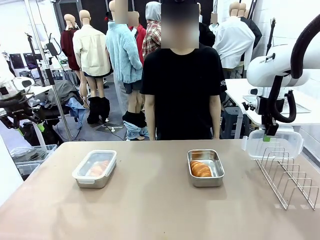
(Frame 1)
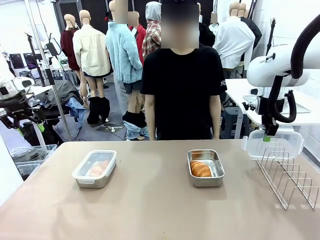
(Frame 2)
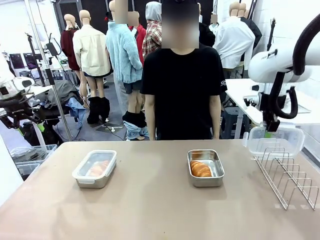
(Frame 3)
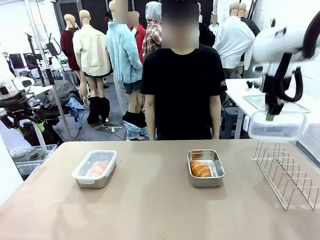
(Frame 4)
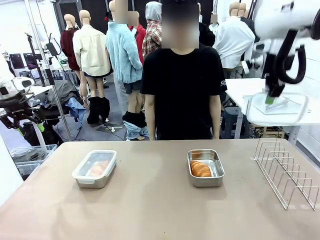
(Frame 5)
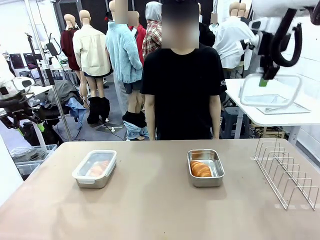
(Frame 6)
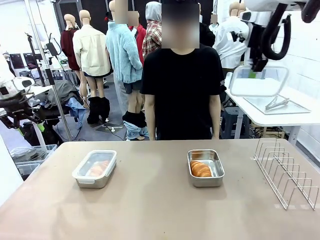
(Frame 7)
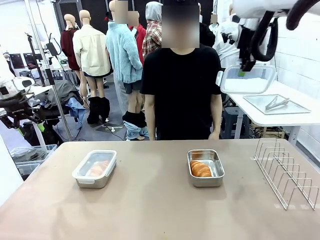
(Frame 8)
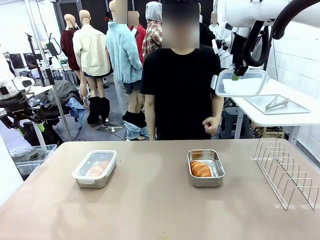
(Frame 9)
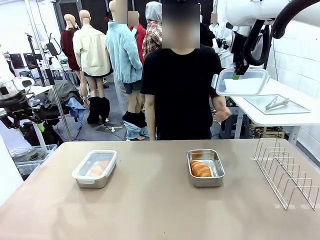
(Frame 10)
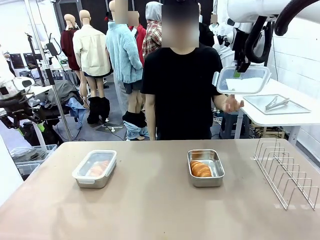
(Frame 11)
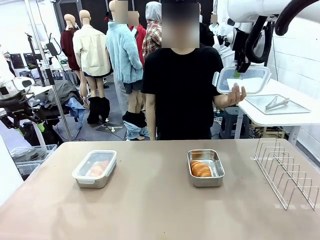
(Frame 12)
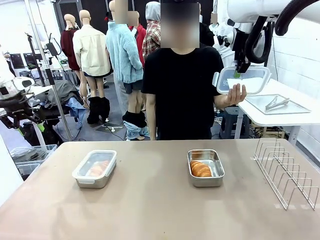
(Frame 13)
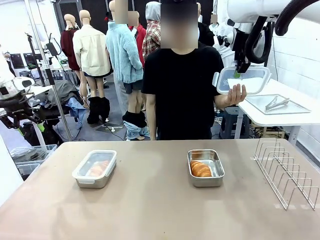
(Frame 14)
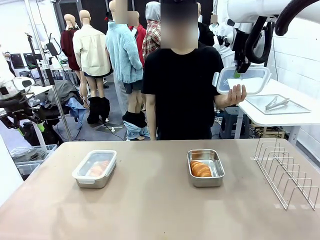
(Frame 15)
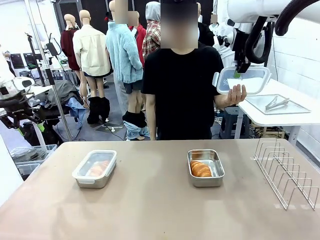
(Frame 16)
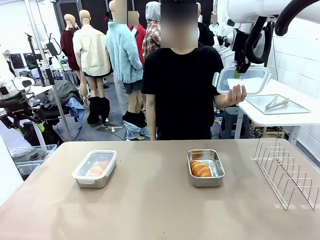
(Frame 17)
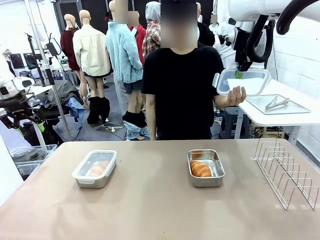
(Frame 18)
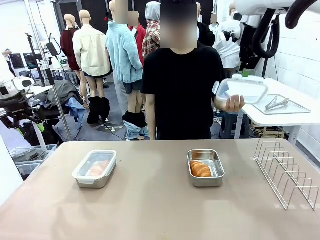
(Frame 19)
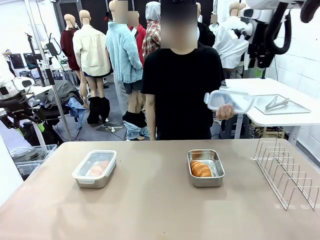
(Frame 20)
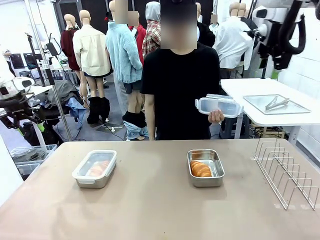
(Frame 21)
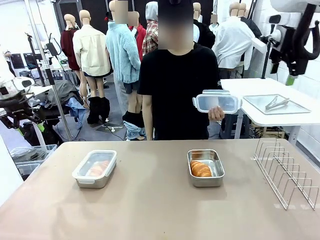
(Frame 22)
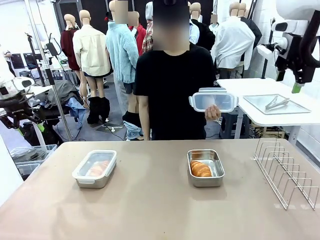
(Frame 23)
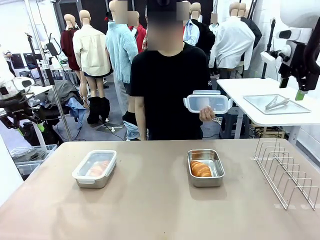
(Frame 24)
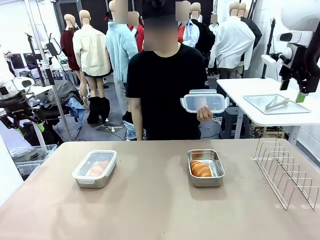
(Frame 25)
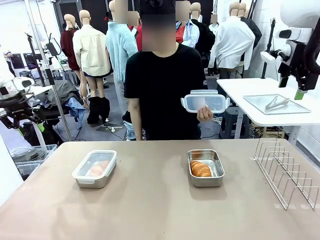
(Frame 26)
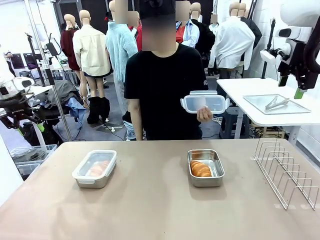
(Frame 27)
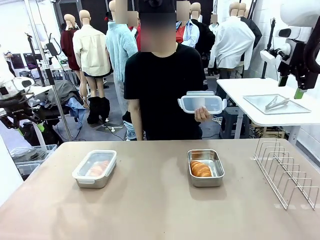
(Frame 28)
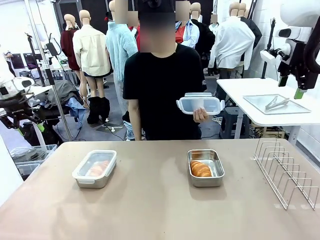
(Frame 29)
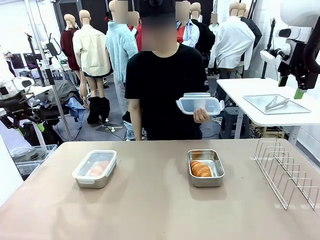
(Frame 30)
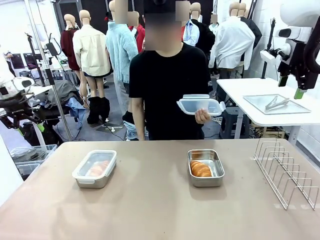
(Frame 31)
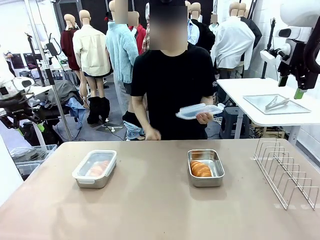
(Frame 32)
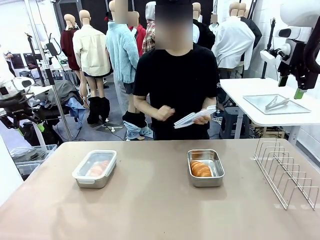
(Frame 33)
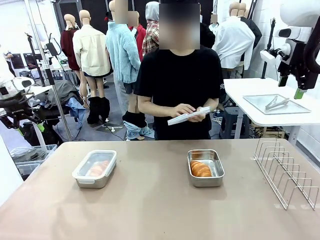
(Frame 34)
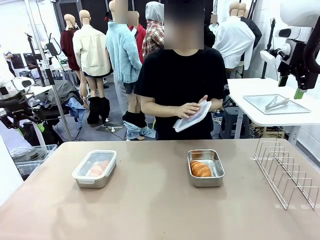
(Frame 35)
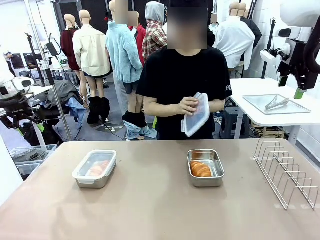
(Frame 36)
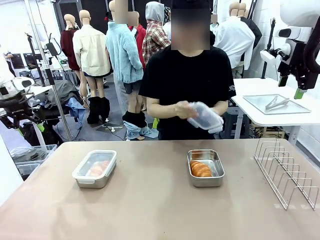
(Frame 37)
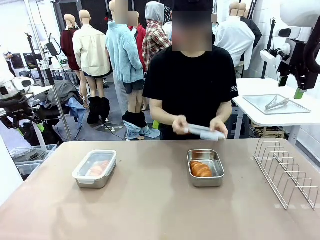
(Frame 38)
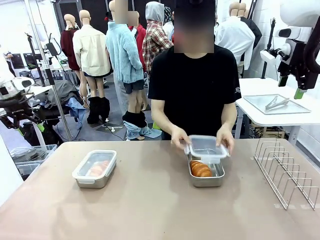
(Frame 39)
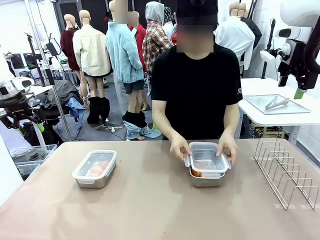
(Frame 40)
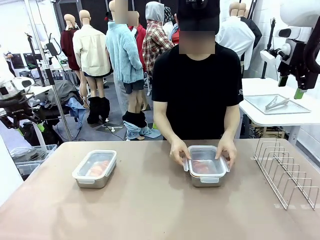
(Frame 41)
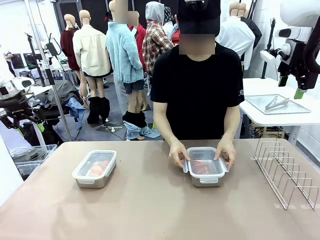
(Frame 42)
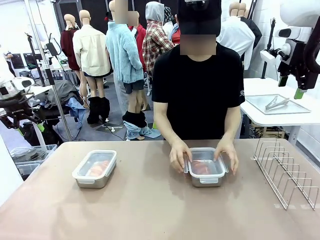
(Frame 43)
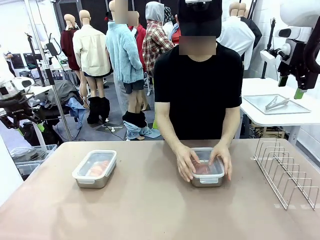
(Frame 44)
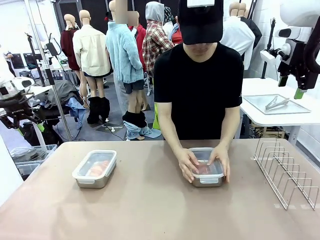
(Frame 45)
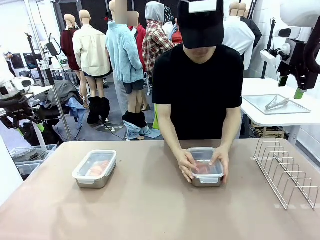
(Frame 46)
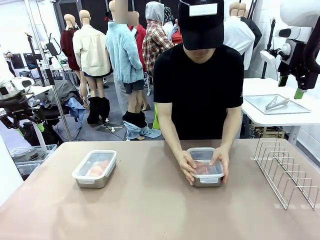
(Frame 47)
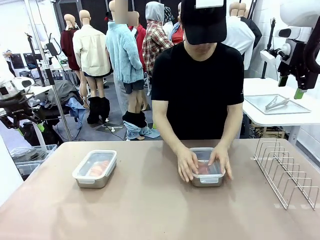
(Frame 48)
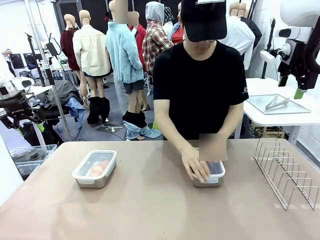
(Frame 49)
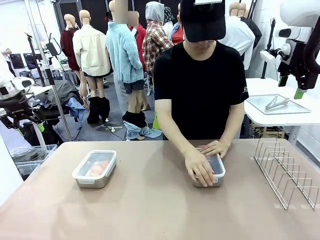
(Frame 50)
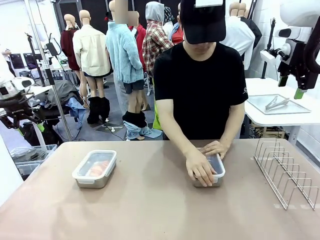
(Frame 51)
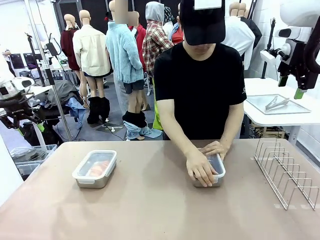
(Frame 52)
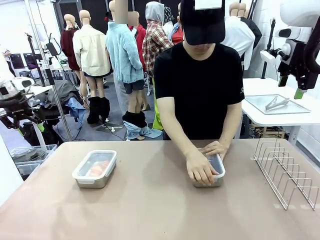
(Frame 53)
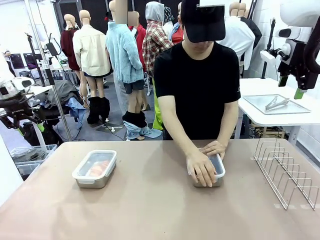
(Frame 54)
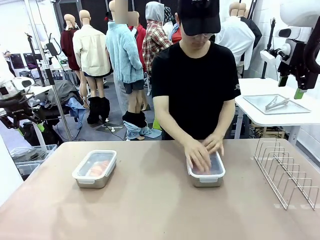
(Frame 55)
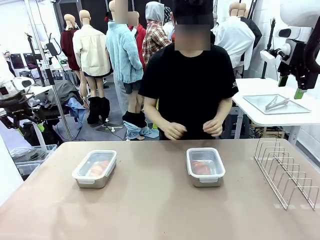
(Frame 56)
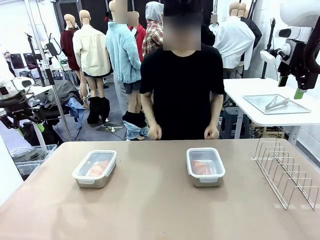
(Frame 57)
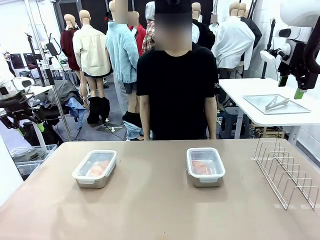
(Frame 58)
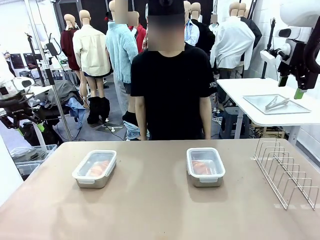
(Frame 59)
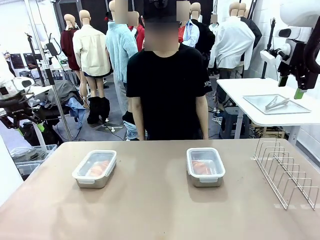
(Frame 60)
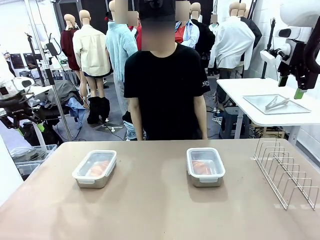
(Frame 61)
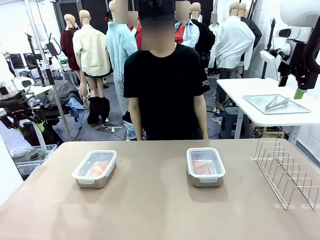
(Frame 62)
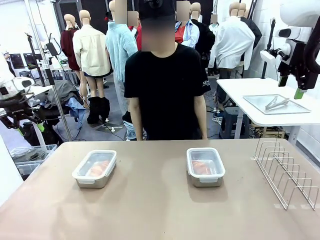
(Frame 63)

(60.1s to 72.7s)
Task: Place the bread in airtight containers.
Robot: Release when the human grabs the Airtight Container lid.
Person: Grip Airtight Container lid that robot is handing. Close Airtight Container with a handed Airtight Container lid.

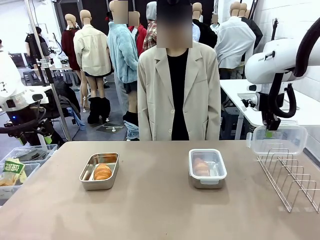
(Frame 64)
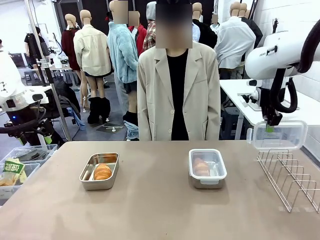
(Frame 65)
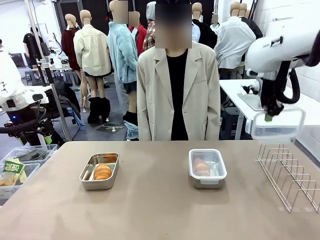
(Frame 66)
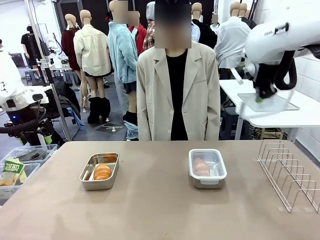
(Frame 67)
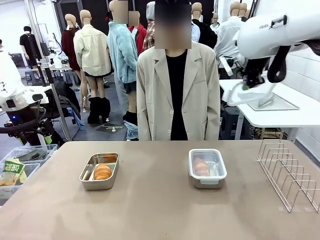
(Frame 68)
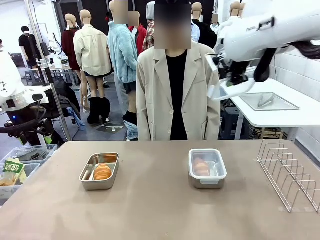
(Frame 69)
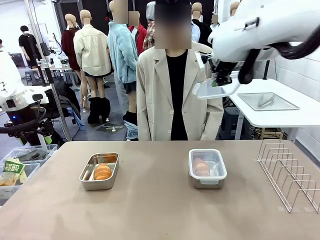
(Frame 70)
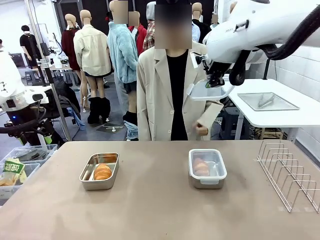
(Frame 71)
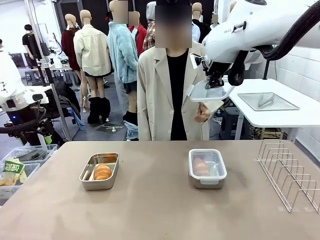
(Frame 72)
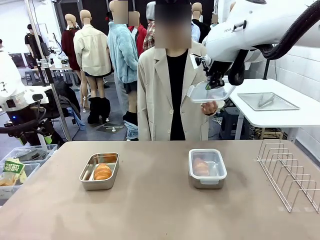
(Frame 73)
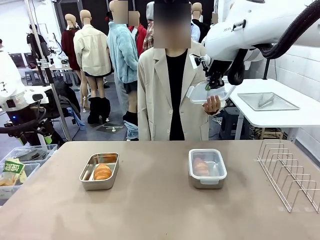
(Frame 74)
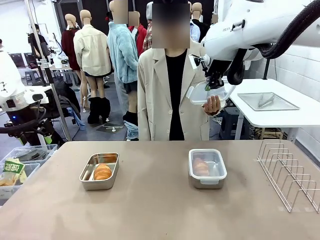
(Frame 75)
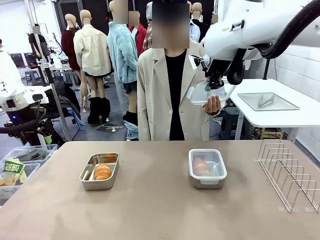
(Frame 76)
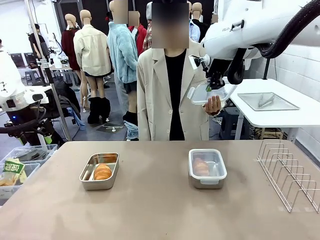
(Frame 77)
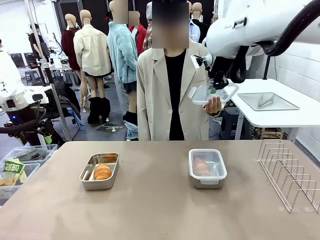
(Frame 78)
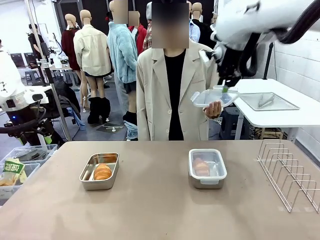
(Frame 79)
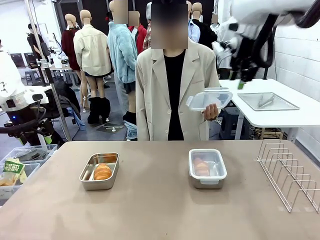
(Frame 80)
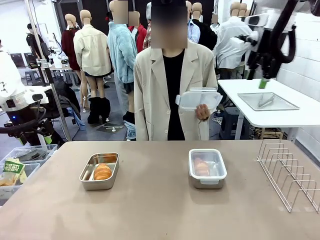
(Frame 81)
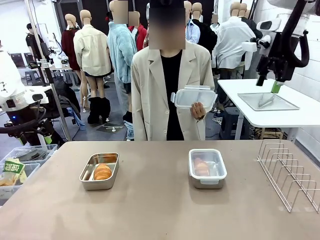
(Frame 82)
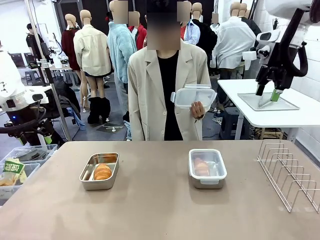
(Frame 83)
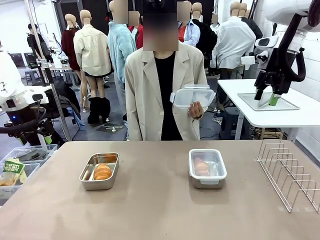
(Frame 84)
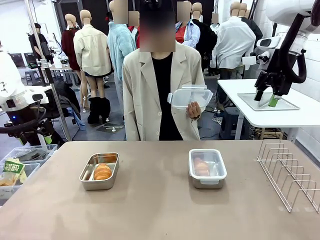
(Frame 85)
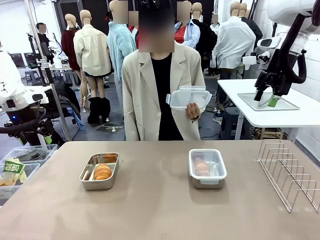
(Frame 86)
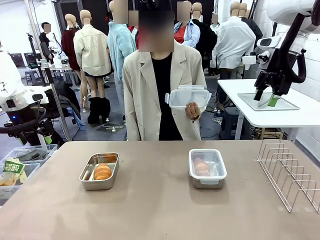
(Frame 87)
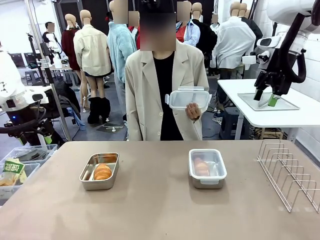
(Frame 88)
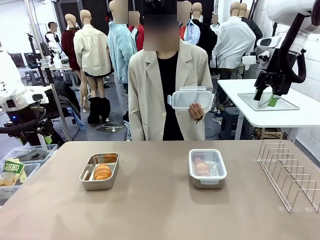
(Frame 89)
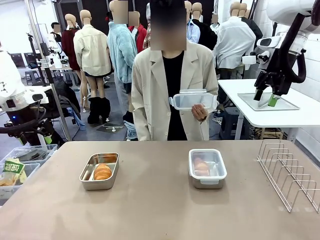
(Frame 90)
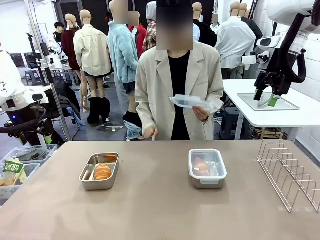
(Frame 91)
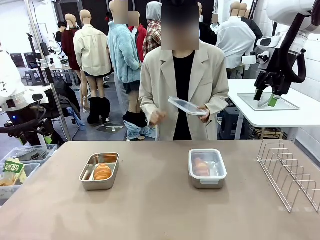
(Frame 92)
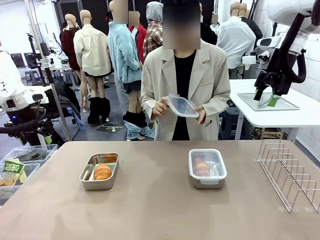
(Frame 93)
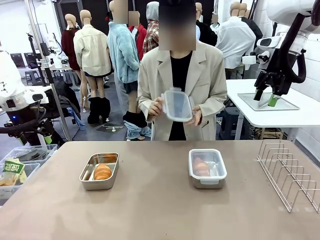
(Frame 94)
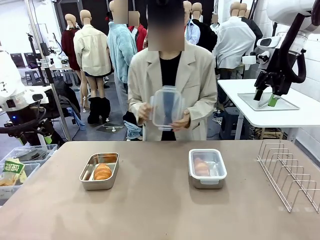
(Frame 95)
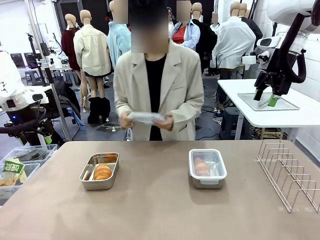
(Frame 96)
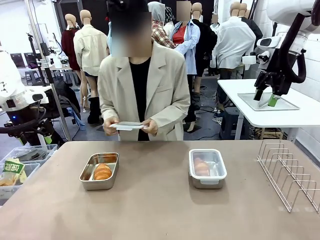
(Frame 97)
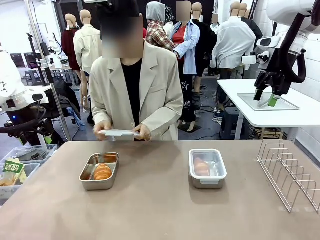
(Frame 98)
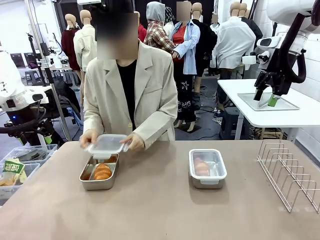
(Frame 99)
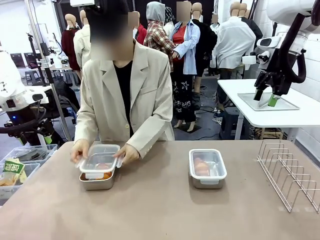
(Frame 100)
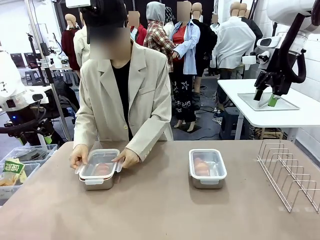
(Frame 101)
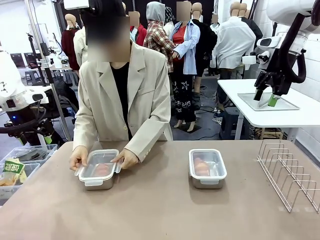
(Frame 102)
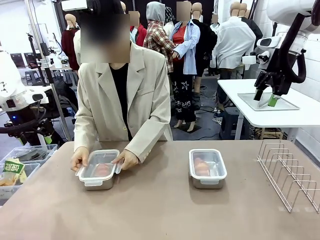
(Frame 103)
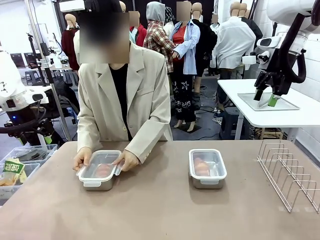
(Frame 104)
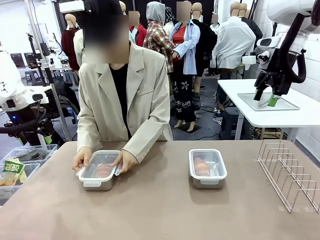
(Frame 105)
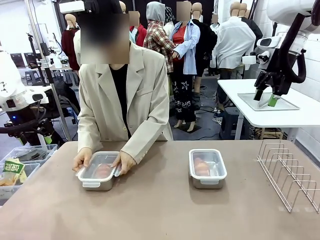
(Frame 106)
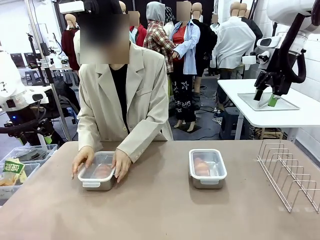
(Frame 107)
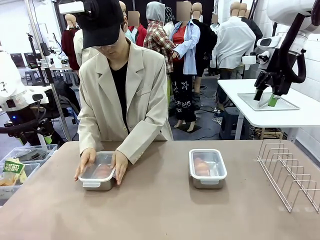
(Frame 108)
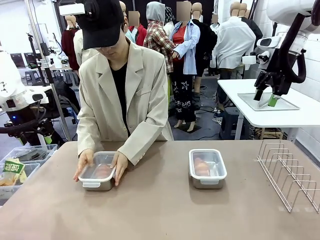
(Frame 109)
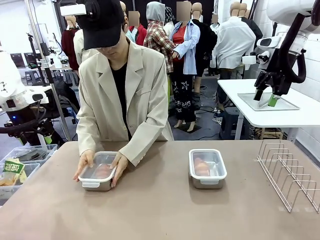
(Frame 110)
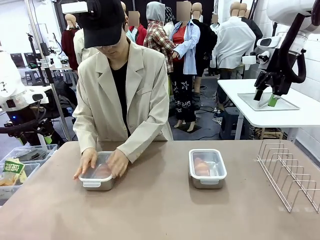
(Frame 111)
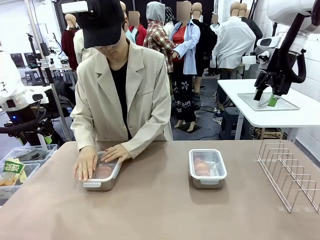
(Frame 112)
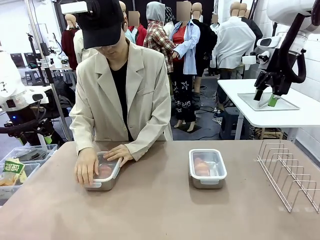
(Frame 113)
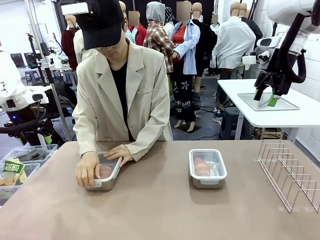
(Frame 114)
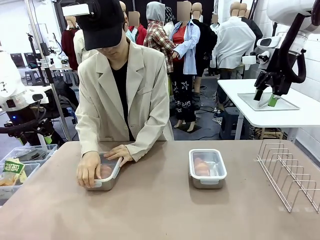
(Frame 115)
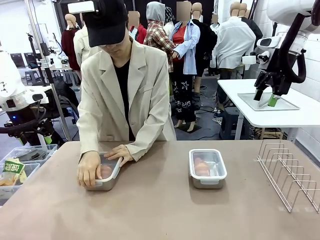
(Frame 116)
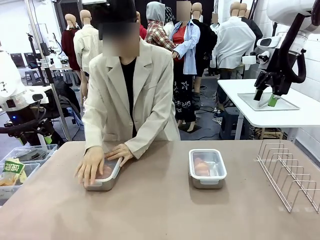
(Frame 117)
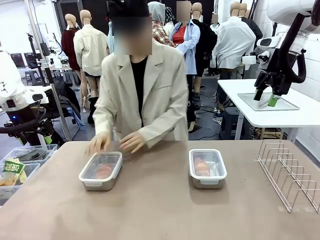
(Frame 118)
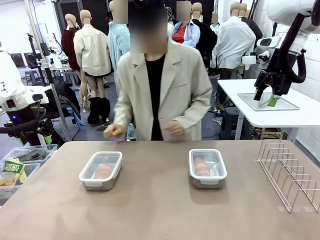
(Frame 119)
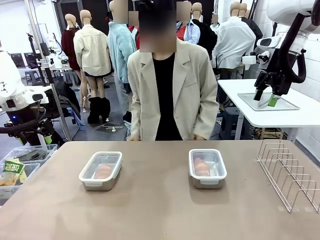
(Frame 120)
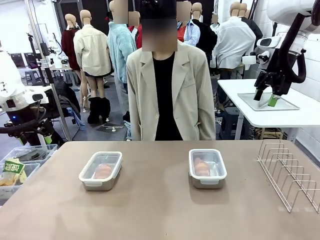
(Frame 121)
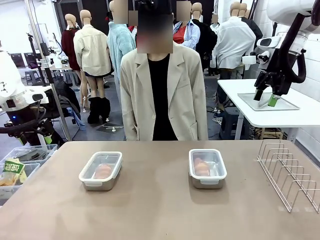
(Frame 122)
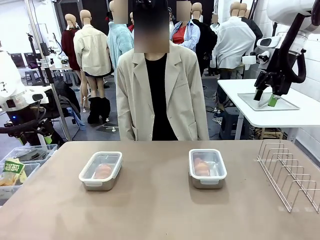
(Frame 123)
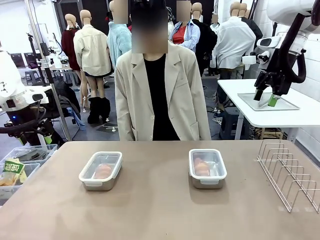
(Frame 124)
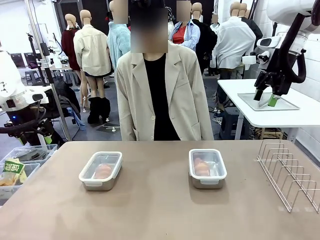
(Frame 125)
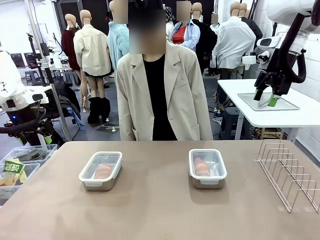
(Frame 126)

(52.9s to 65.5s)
Task: Place the bread in airtight containers.
Robot: Release when the human grabs the Airtight Container lid.
Person: Grip Airtight Container lid that robot is handing. Close Airtight Container with a handed Airtight Container lid.
